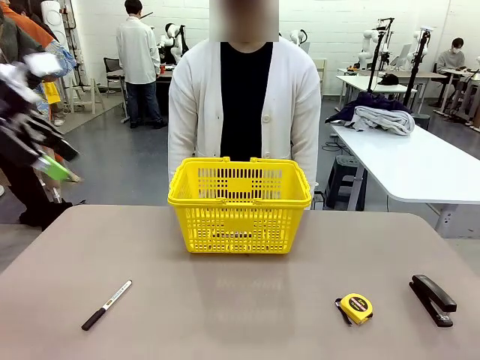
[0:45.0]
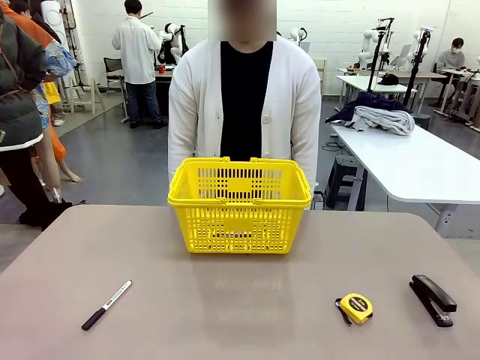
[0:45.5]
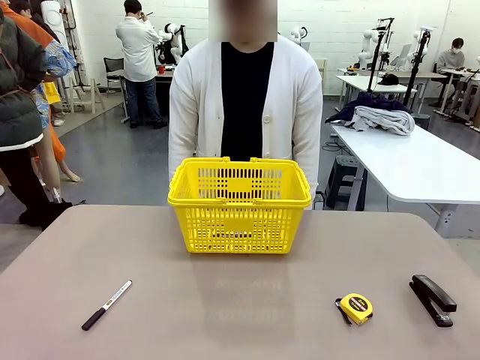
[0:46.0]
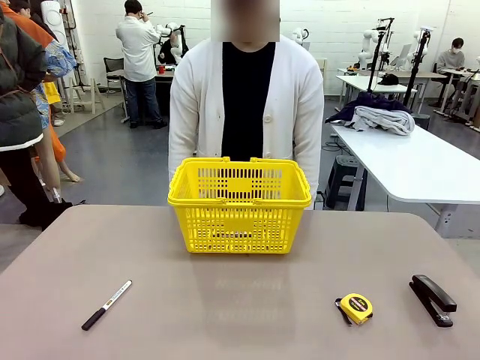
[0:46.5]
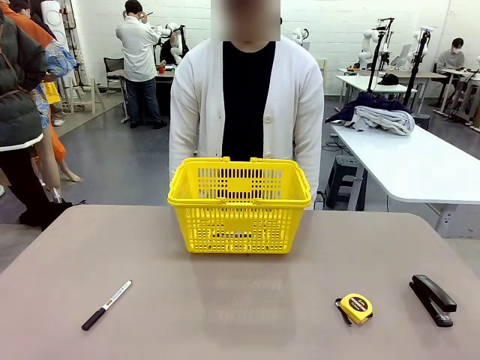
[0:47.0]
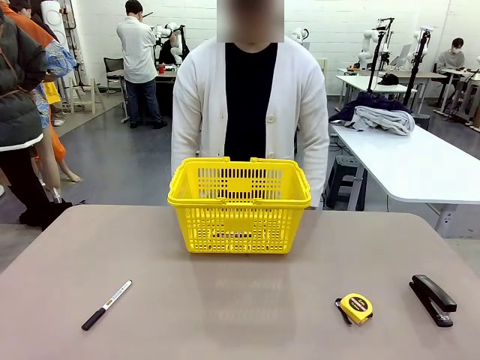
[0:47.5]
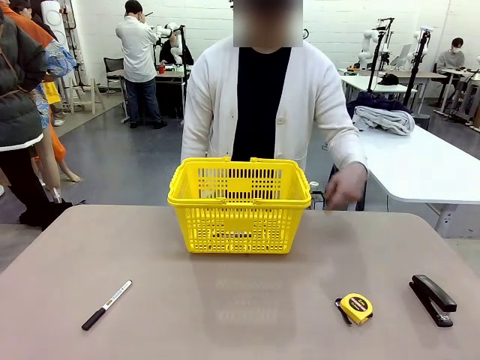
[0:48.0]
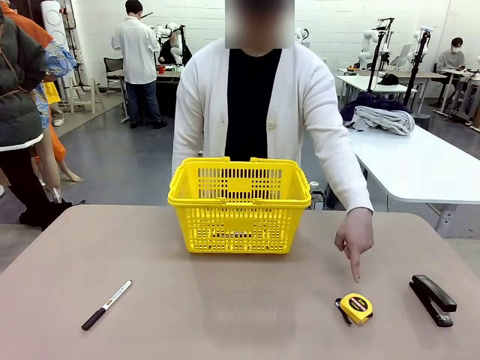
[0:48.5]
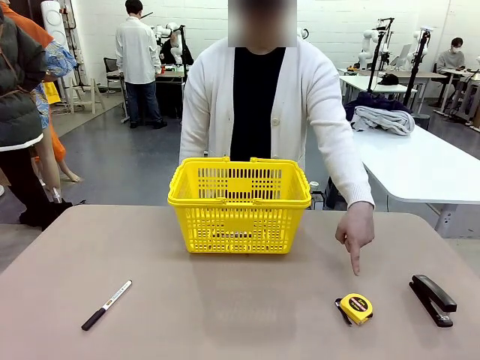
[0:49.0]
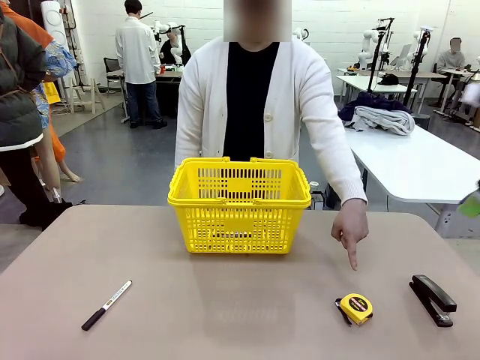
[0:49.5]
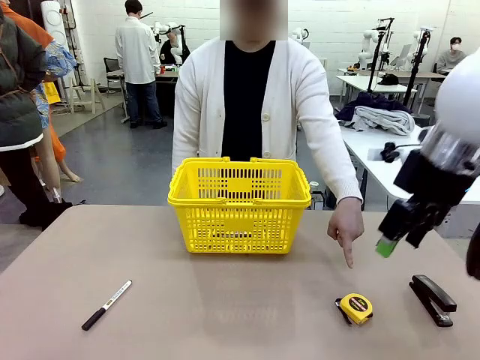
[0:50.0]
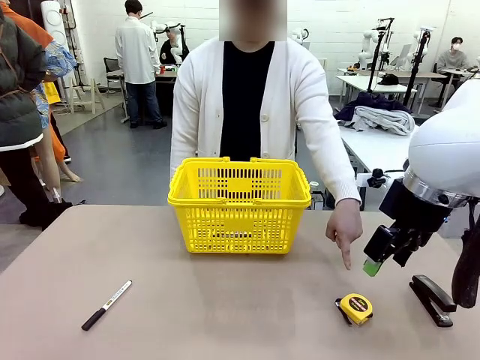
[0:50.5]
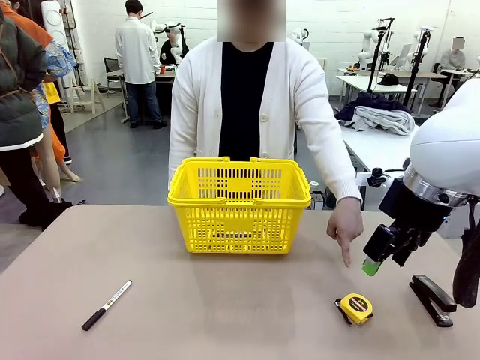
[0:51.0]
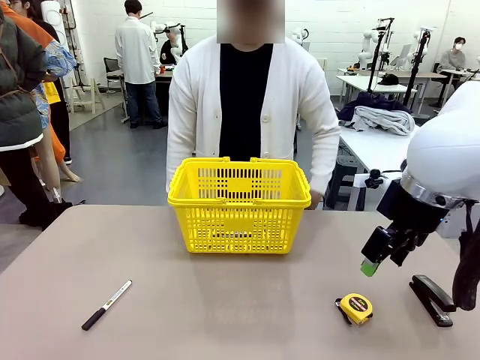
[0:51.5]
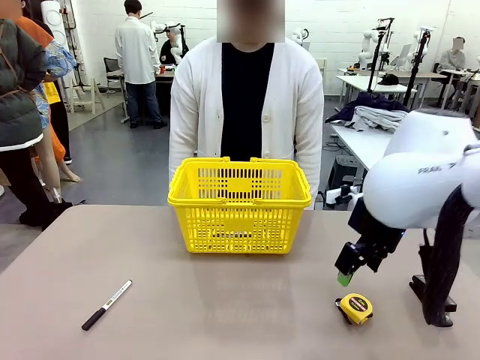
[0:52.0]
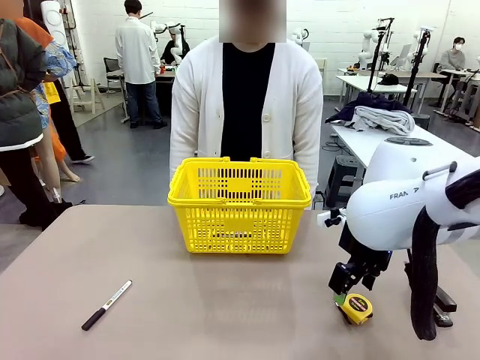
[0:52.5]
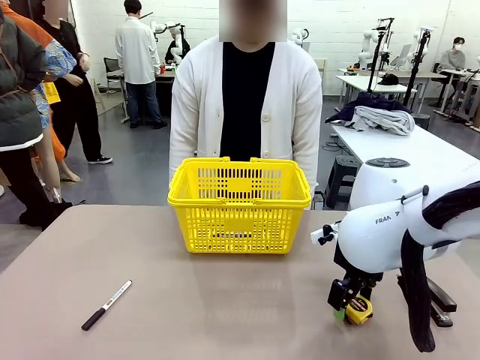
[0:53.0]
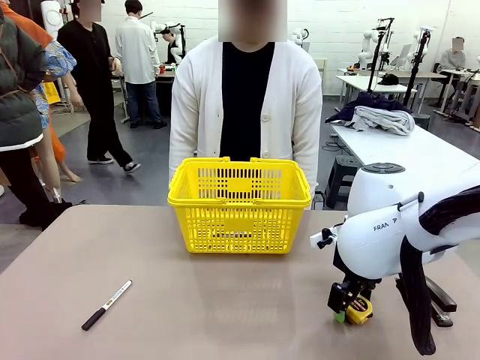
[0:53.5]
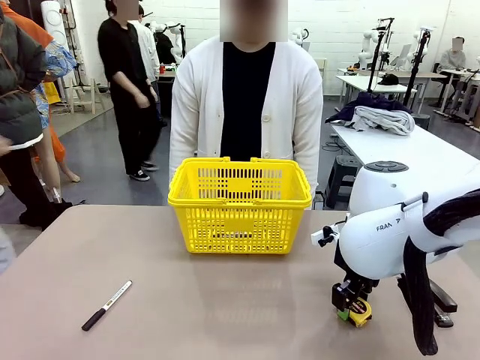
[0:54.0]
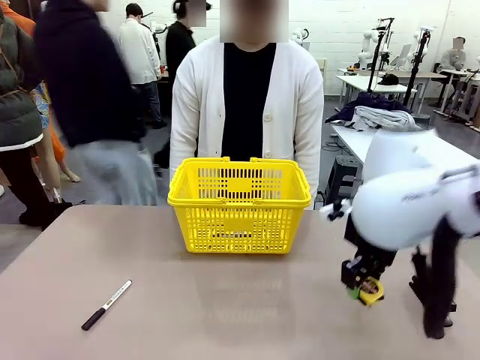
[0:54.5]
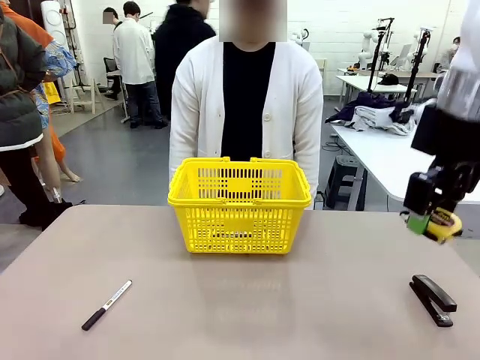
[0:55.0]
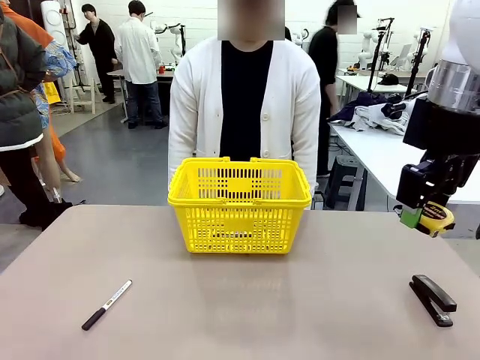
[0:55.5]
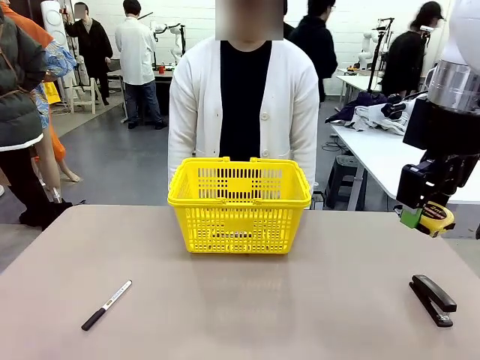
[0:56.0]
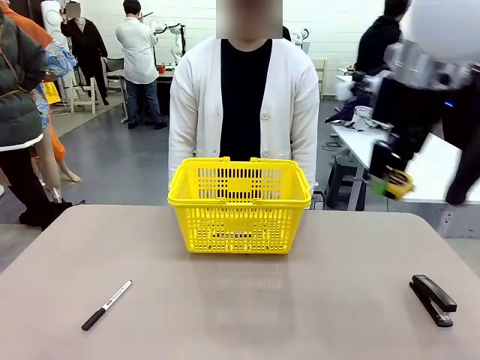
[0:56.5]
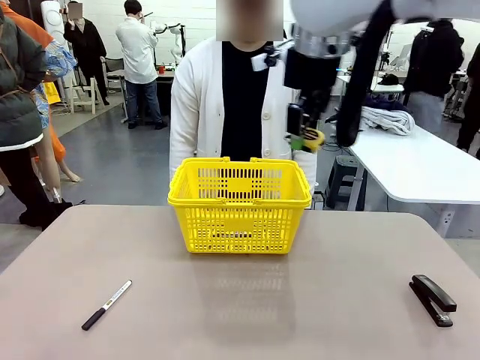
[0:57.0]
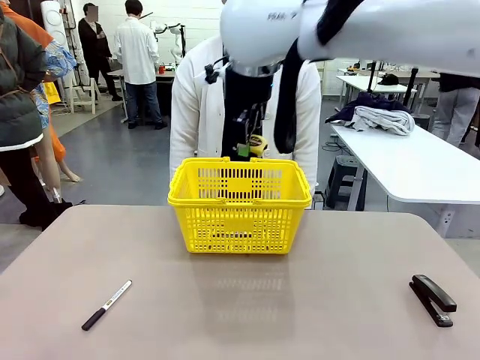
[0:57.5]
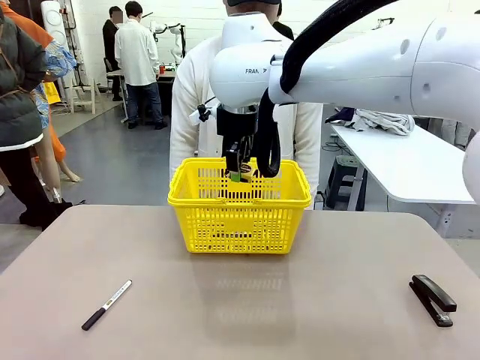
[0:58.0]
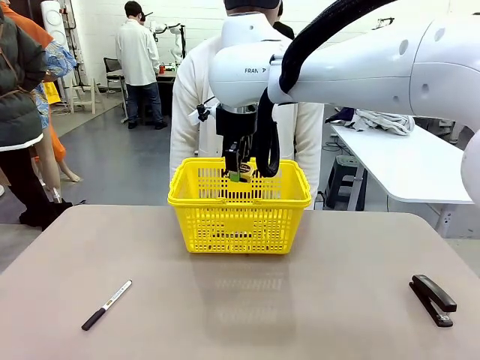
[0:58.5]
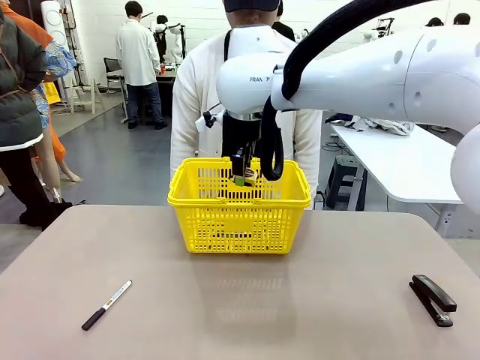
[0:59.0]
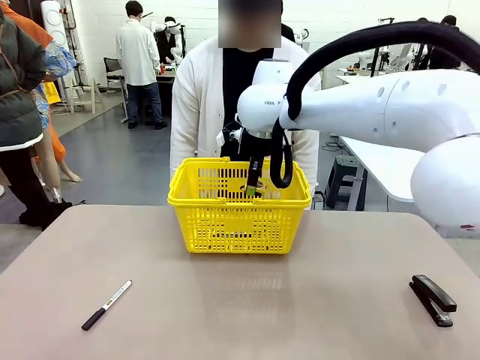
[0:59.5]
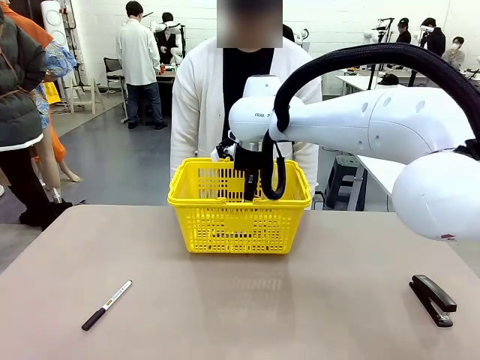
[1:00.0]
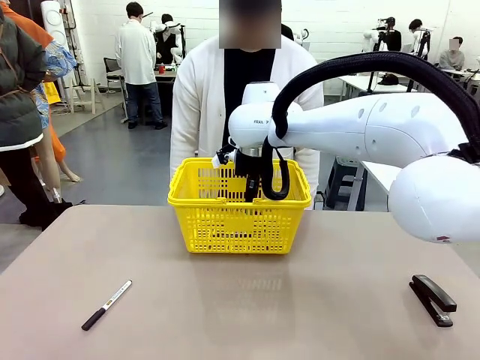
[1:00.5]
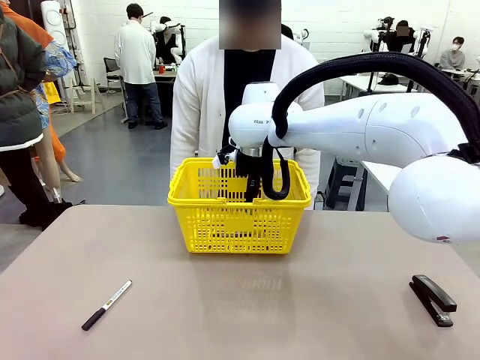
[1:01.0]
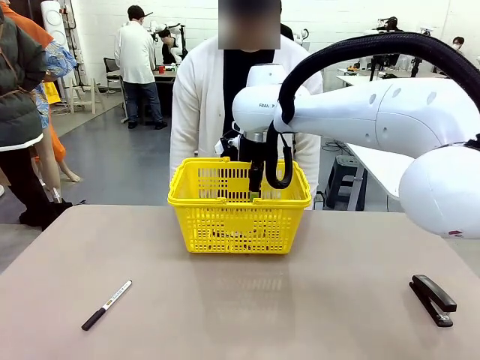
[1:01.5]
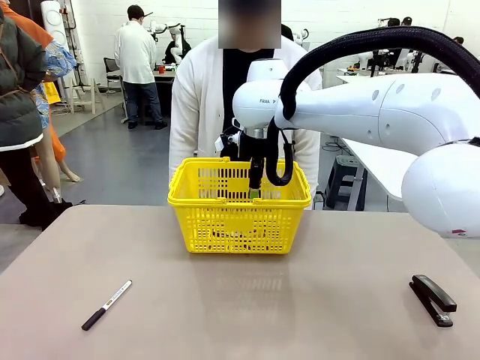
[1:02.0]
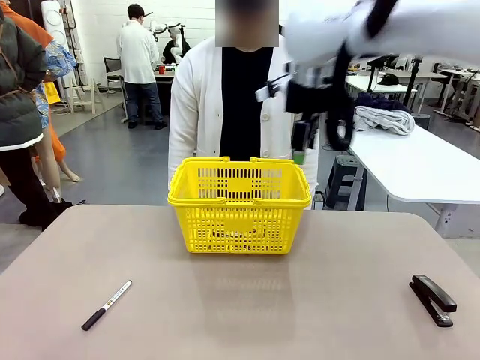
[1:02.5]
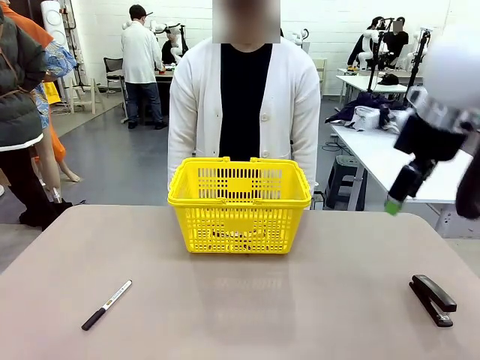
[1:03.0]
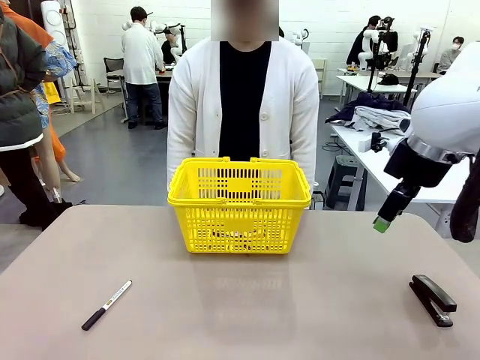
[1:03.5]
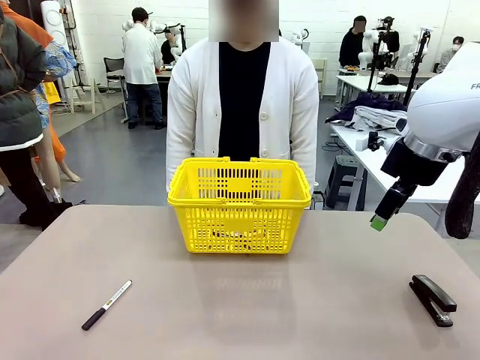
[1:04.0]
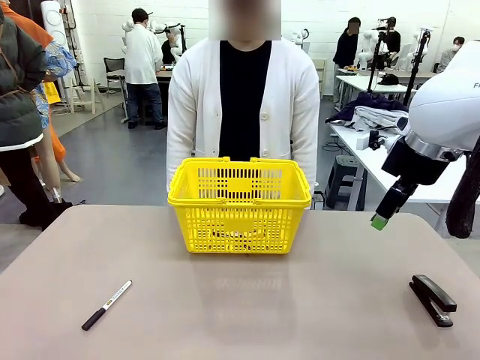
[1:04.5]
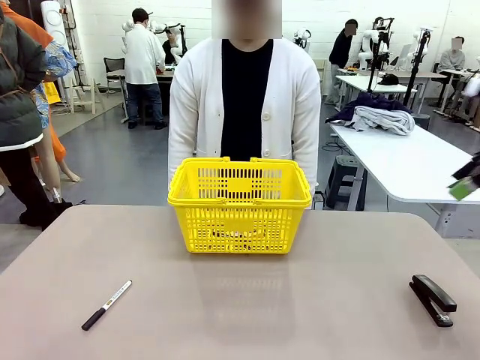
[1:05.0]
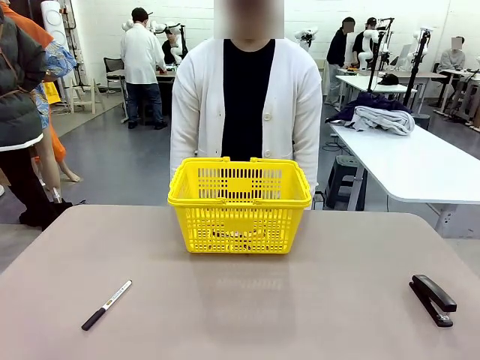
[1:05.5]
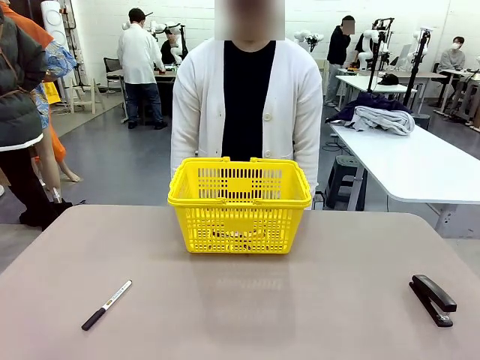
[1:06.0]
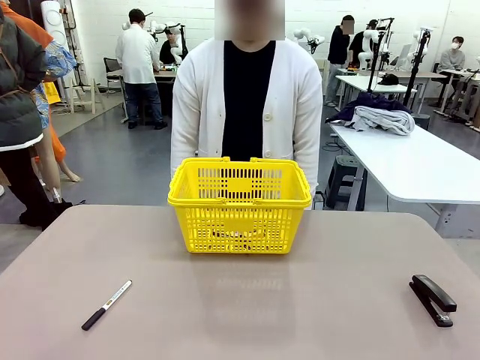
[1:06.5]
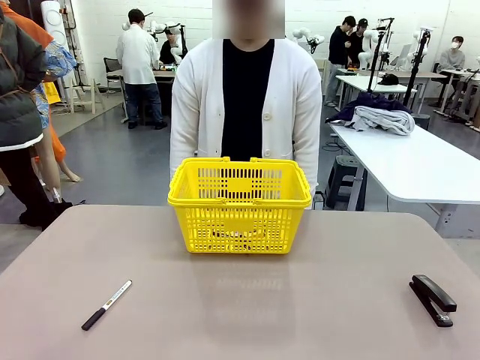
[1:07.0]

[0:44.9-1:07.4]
Task: Place the items the person wants into the basket.
Robot: Pick up the item the person points to and place it in the Market Basket.

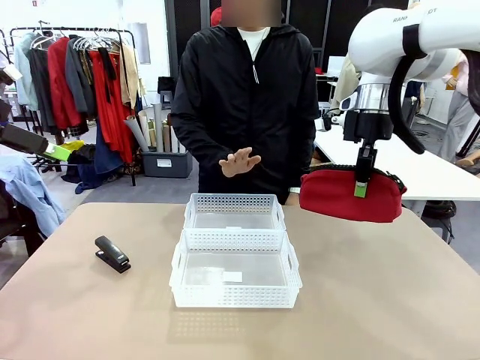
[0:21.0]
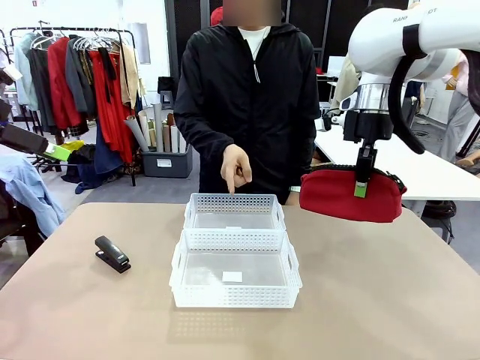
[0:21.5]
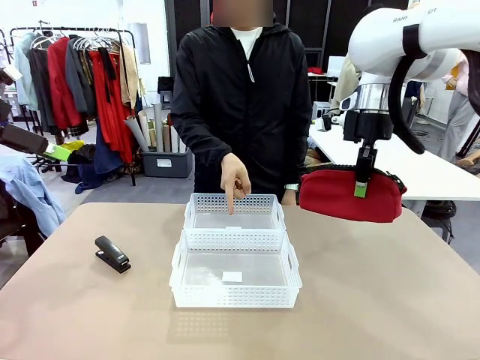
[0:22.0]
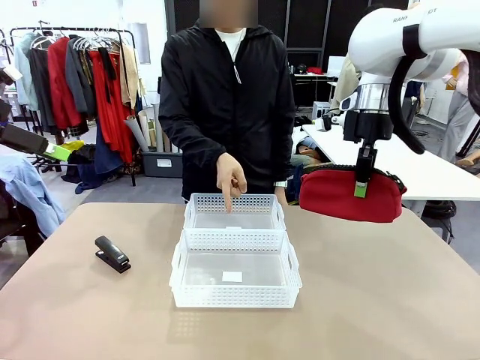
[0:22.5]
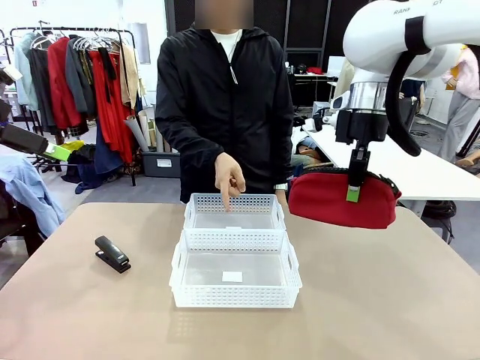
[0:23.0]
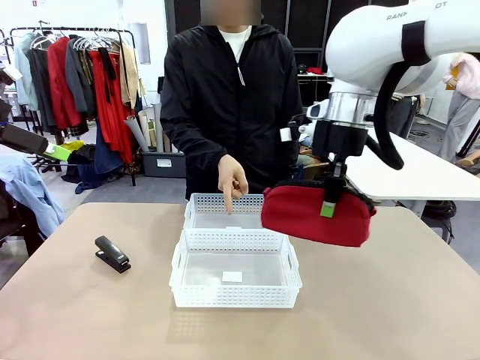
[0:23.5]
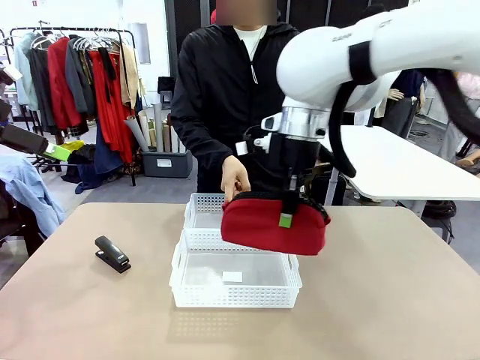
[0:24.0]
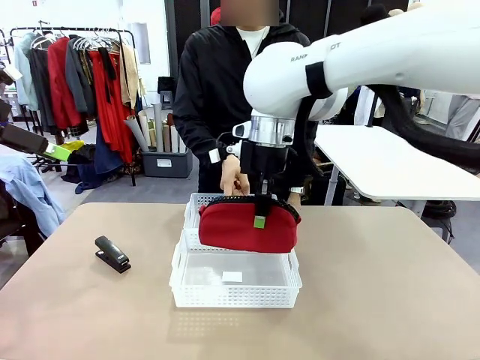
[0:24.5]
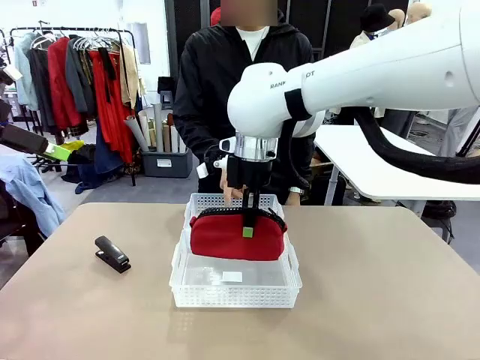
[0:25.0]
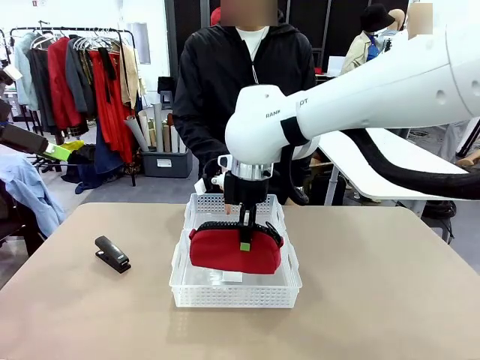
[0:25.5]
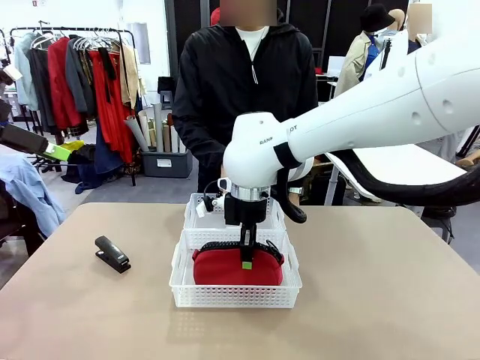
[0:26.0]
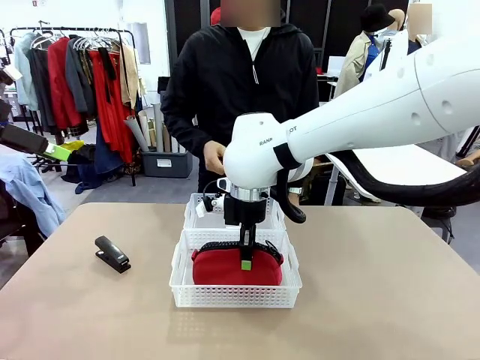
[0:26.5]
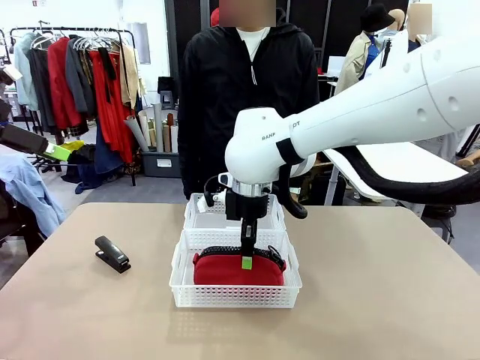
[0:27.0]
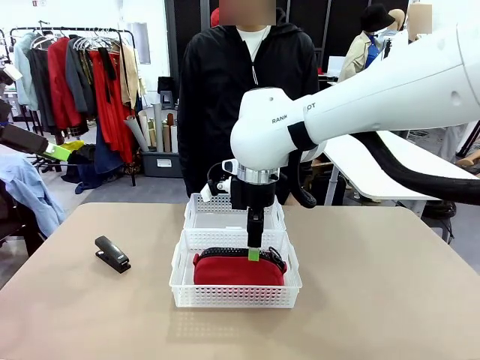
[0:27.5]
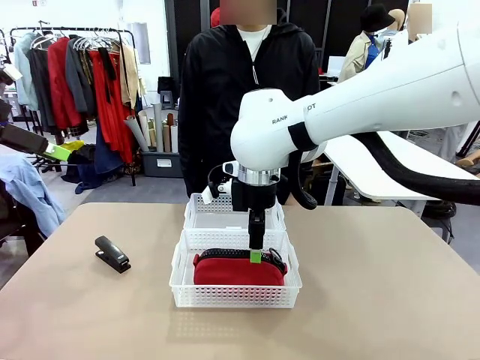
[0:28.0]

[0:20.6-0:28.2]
Task: Distribute items into two baskets.
Robot: Place the picked Pencil pouch into the Organizing basket as instructed by the person.
Person: Instructs the robot to place the pencil case into the opposite basket. Points to the stapler.
